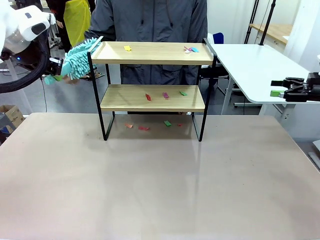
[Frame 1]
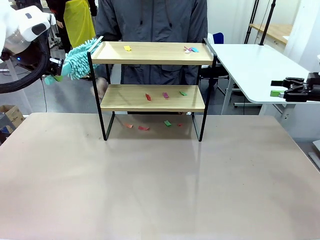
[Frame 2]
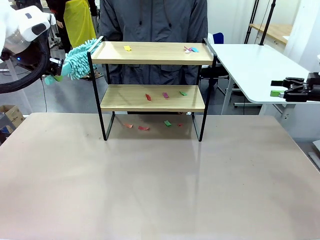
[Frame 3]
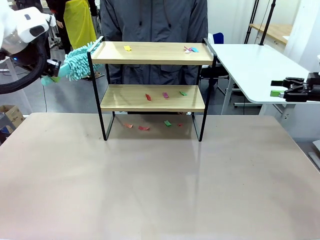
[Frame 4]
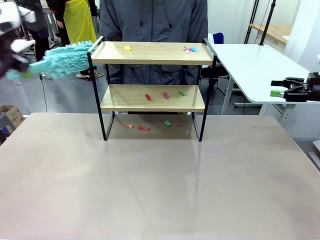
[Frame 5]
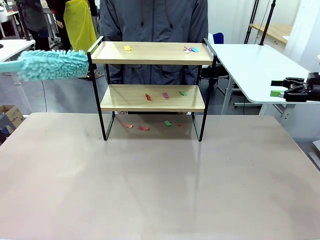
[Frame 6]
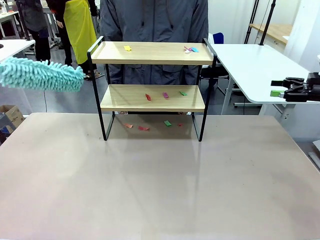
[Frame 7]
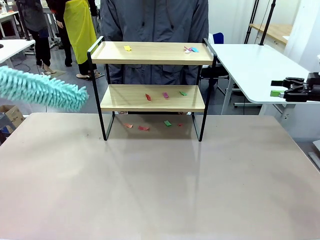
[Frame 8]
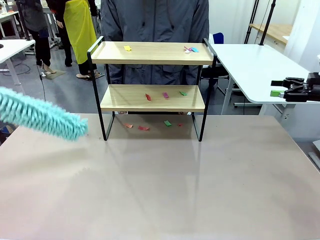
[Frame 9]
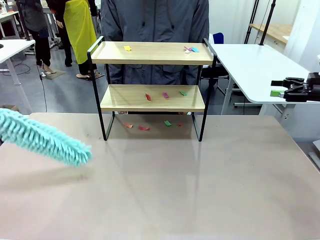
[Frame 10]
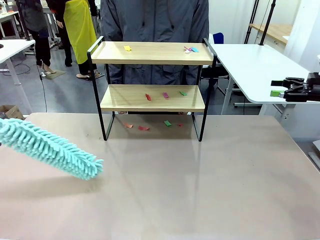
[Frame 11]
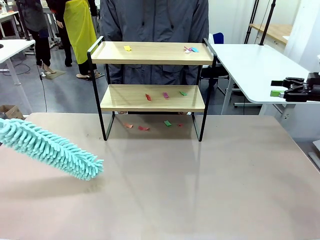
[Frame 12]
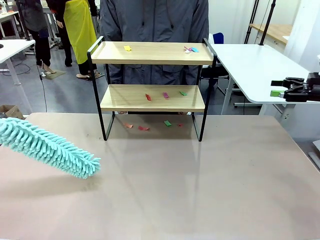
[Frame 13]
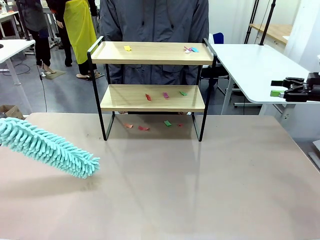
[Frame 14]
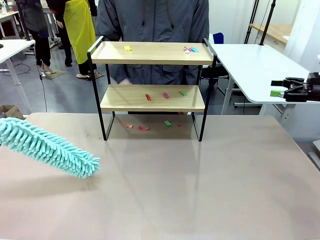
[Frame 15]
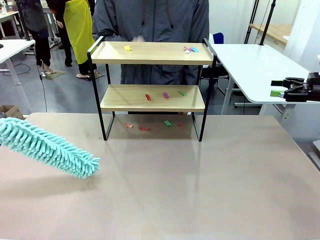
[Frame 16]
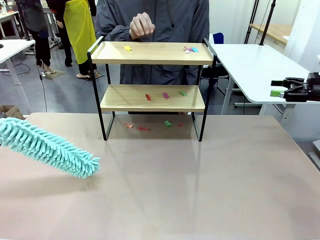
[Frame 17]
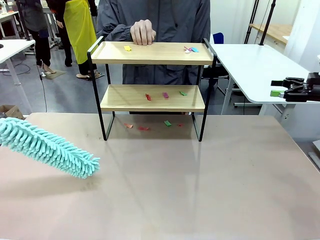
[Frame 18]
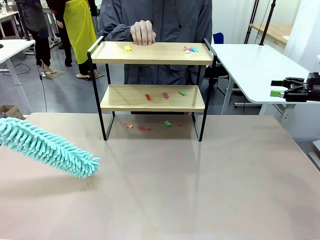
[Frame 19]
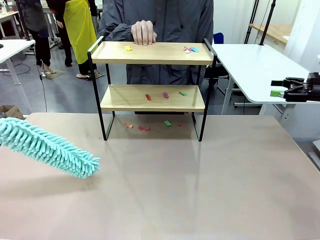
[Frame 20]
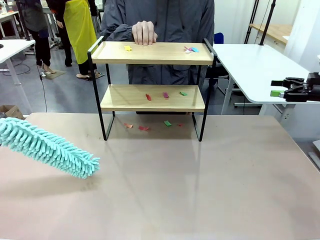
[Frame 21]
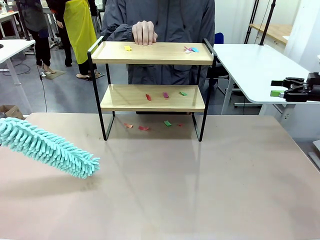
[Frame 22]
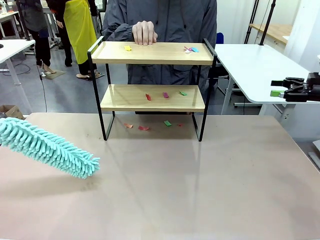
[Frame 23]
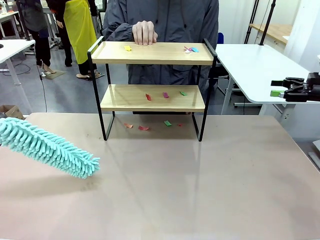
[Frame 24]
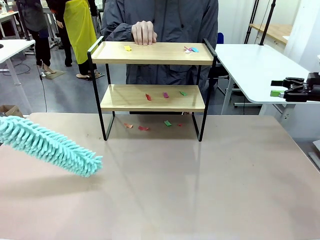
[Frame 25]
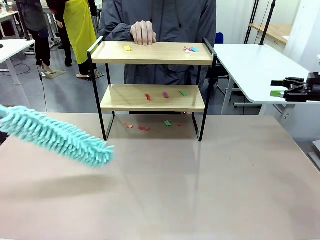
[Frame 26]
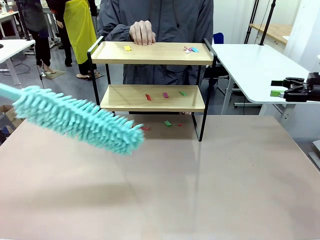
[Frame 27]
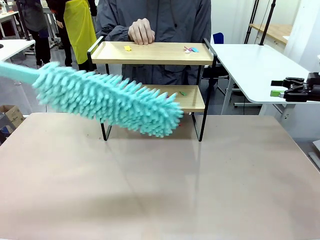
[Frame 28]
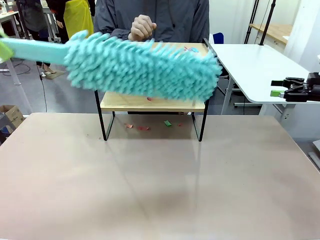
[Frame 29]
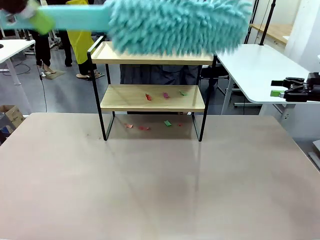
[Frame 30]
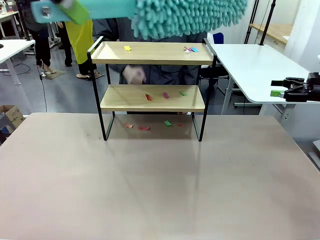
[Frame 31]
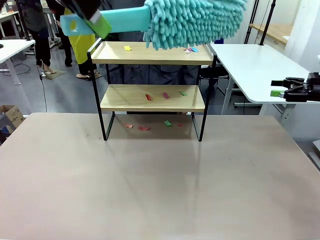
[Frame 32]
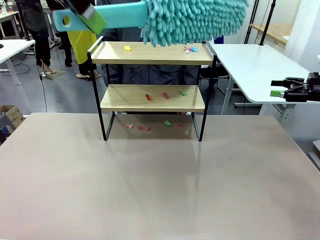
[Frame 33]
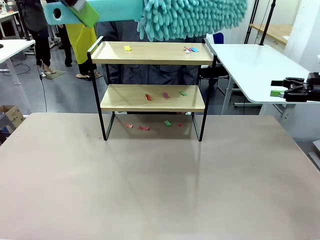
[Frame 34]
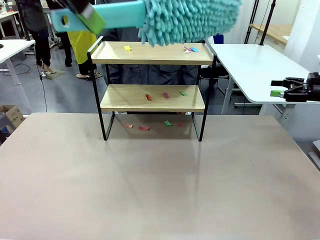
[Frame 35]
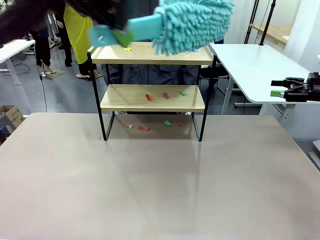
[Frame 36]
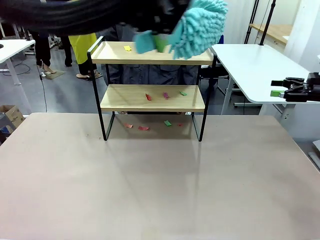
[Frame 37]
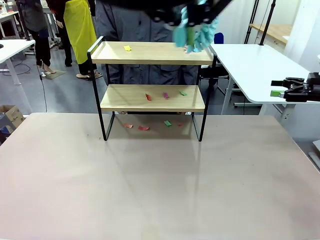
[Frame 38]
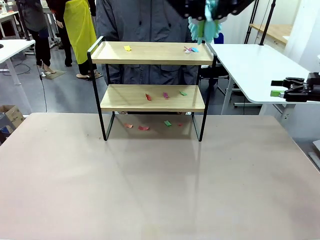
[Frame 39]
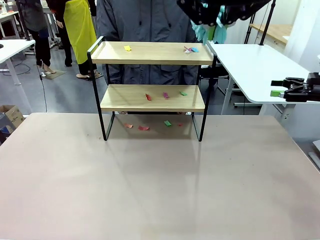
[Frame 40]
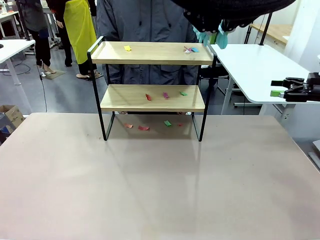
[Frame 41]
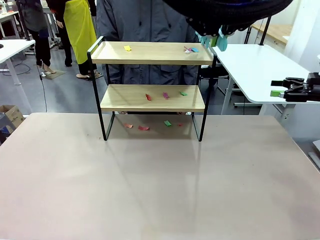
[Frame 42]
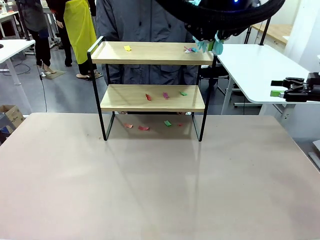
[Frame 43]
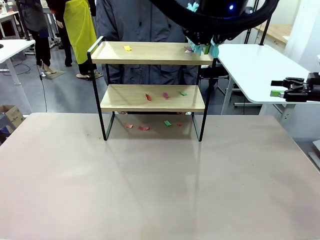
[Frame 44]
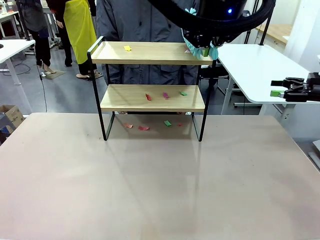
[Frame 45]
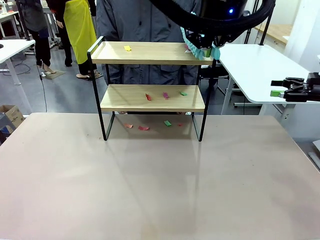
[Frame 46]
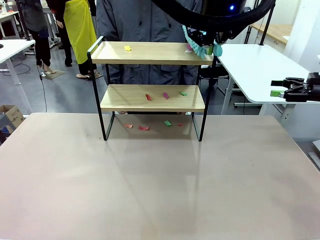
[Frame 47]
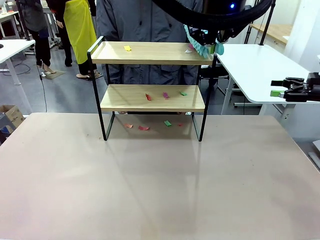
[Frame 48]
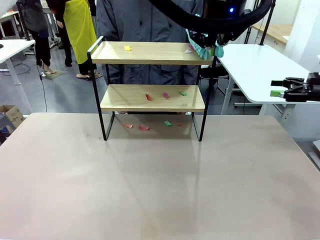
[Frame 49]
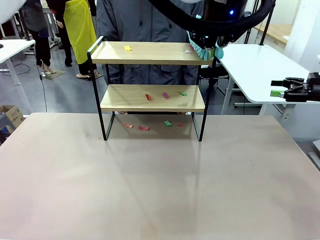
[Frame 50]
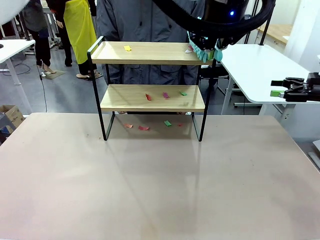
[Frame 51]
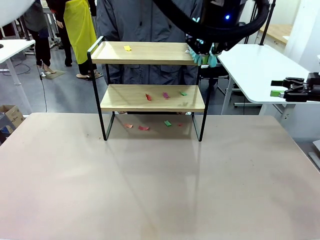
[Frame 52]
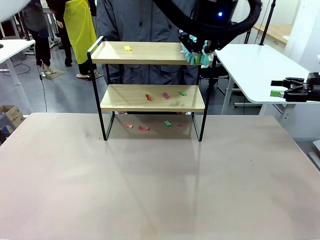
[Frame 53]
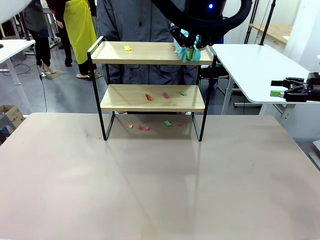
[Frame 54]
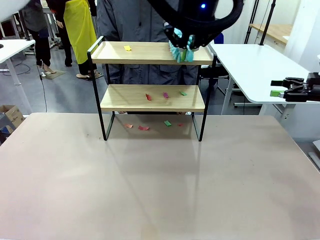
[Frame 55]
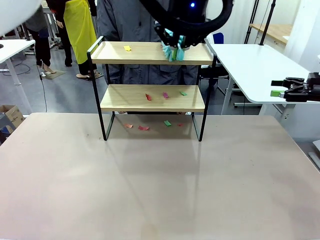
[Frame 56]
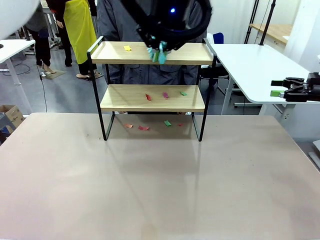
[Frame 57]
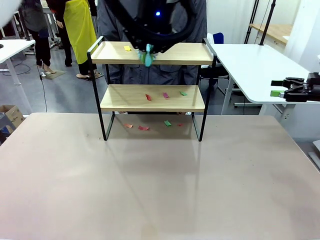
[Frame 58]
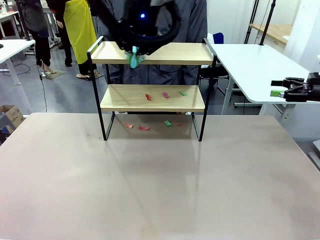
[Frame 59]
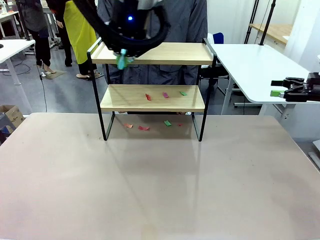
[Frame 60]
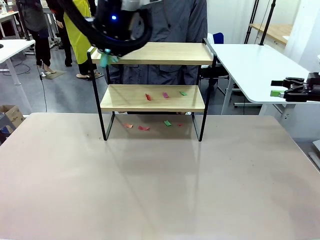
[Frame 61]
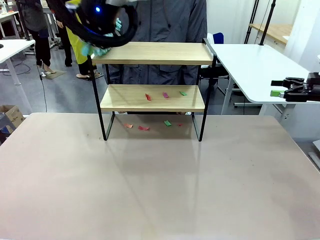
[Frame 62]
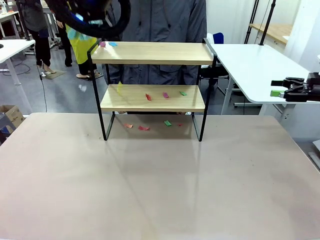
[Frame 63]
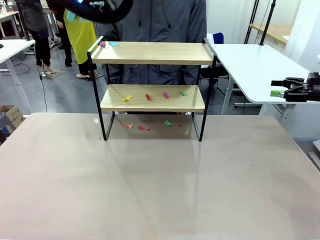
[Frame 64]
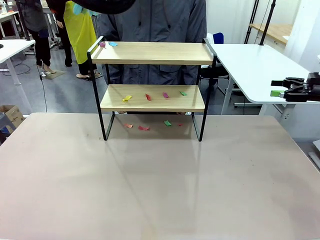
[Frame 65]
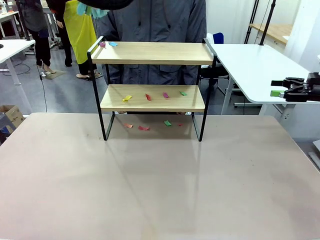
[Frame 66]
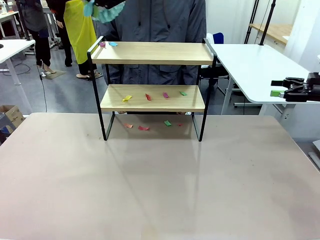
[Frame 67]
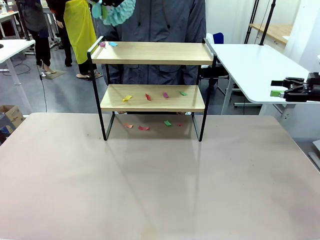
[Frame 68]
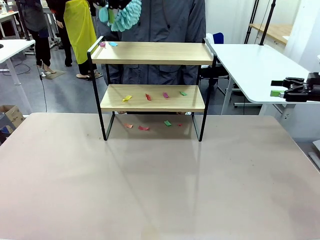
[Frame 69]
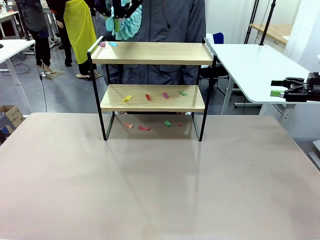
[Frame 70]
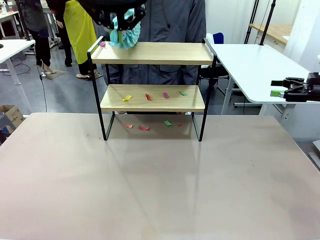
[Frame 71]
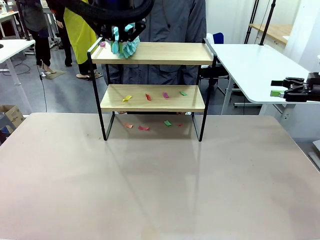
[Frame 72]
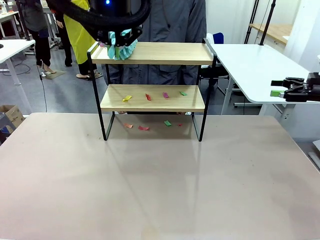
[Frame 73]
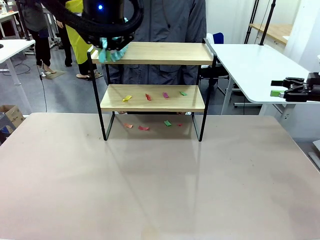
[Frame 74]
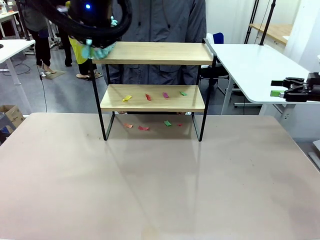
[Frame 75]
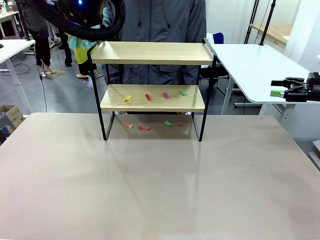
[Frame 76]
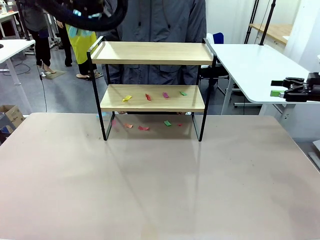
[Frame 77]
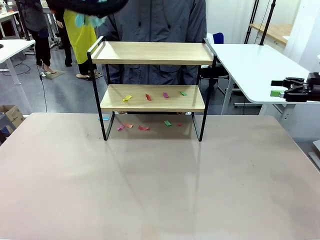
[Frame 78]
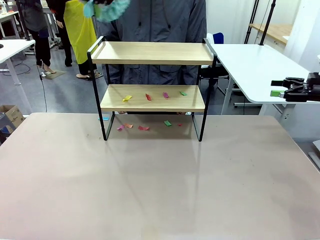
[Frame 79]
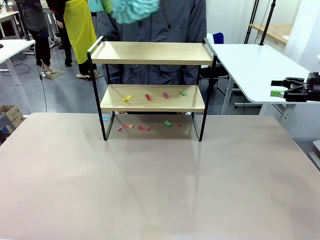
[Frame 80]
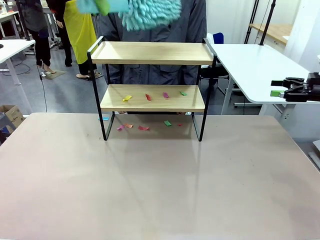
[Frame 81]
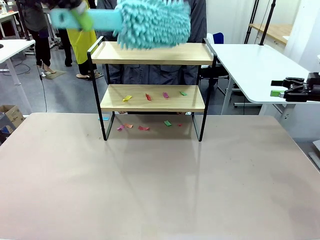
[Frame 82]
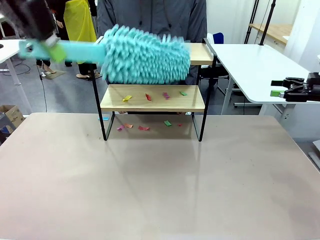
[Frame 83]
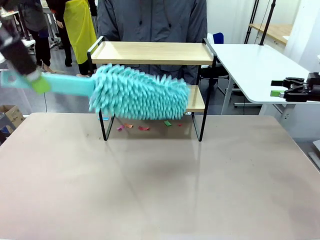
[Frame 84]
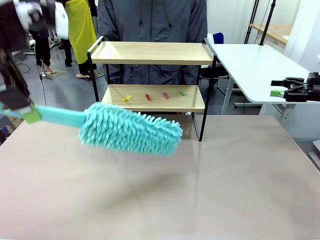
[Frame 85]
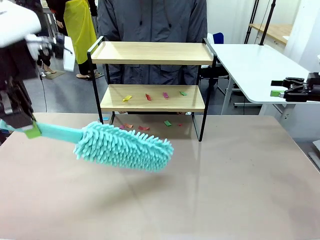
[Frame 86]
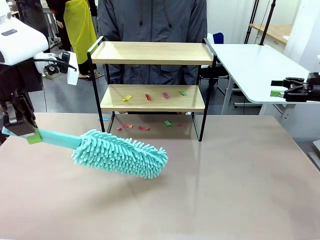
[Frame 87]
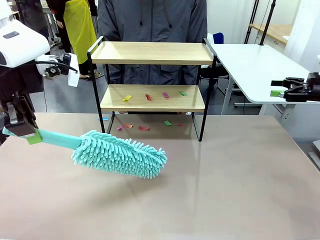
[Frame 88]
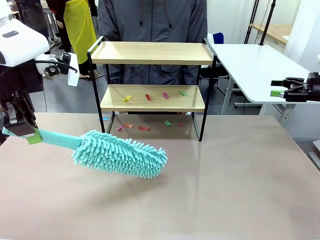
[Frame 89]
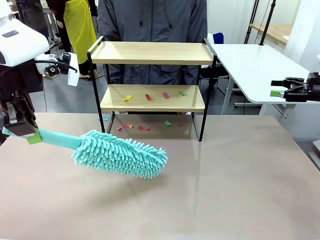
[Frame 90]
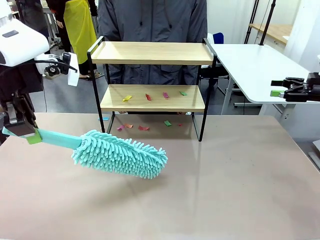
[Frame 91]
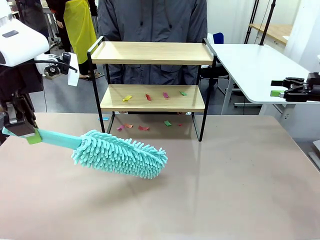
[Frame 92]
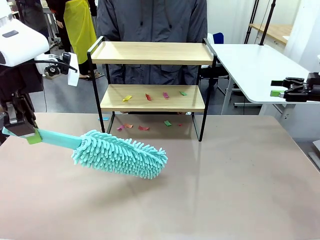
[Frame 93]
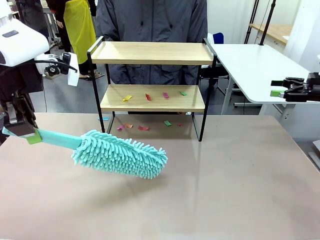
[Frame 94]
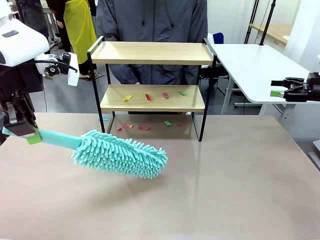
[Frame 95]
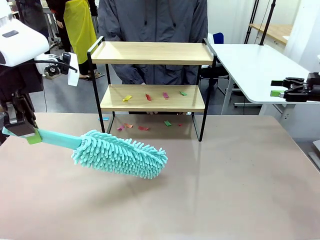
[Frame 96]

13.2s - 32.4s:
Task: Clean the shelf.
Robot: Clean the specific section of the Shelf indicated by the human with the Duster.
Person: Point a random section of the Shelf.
